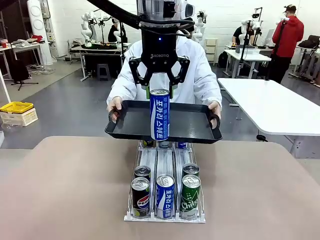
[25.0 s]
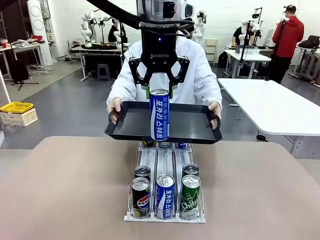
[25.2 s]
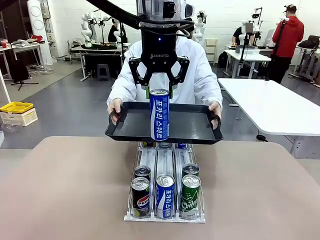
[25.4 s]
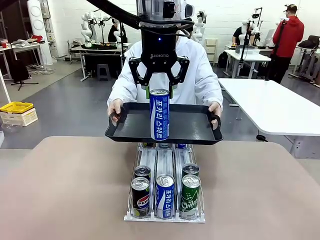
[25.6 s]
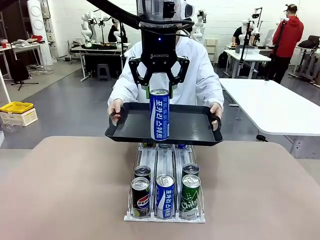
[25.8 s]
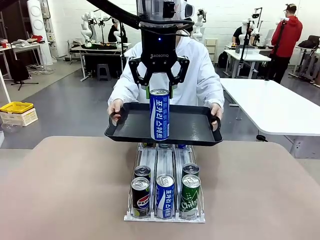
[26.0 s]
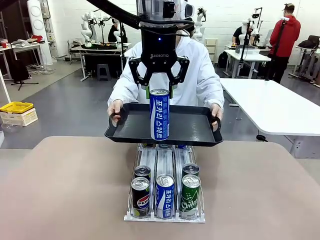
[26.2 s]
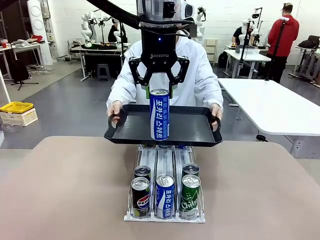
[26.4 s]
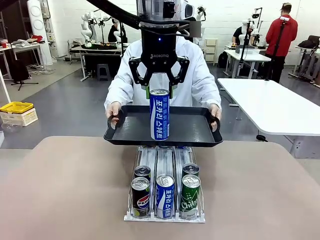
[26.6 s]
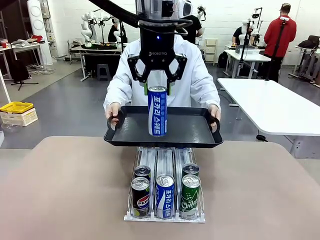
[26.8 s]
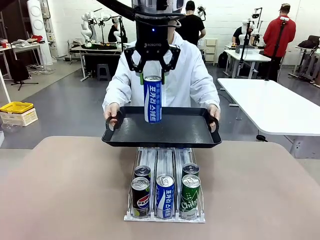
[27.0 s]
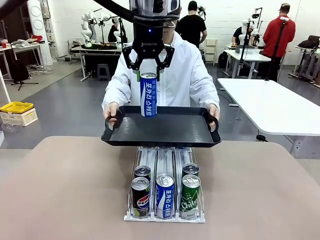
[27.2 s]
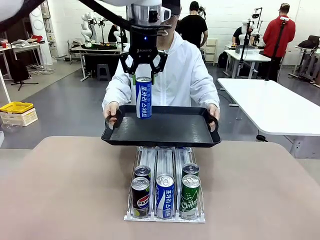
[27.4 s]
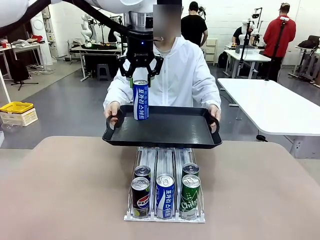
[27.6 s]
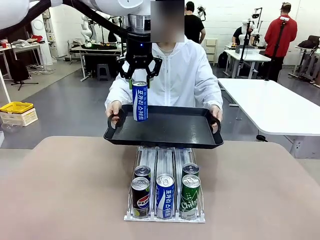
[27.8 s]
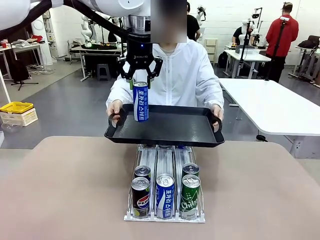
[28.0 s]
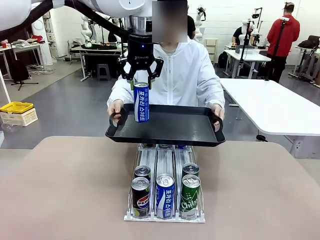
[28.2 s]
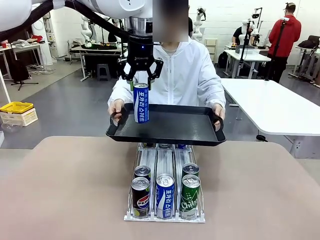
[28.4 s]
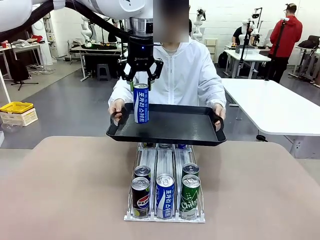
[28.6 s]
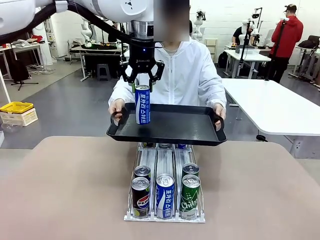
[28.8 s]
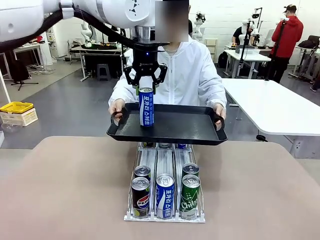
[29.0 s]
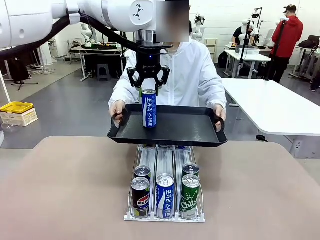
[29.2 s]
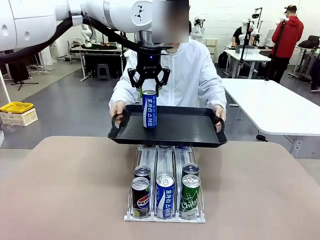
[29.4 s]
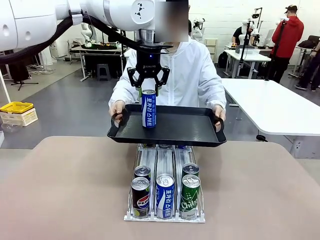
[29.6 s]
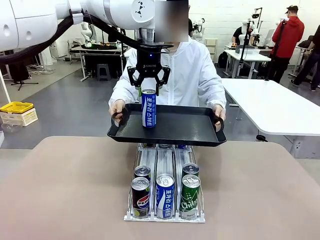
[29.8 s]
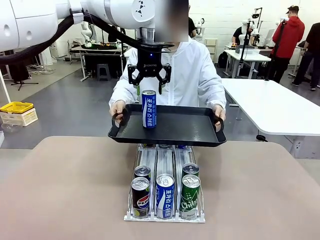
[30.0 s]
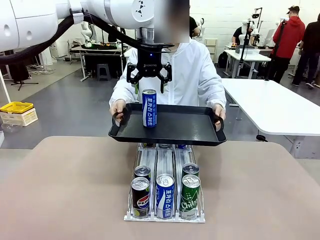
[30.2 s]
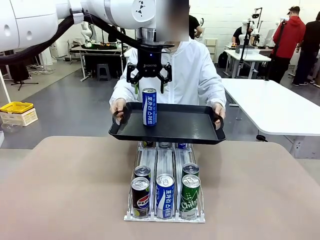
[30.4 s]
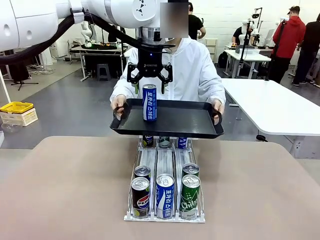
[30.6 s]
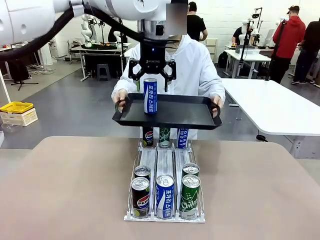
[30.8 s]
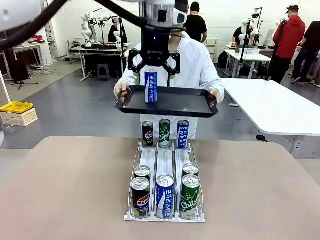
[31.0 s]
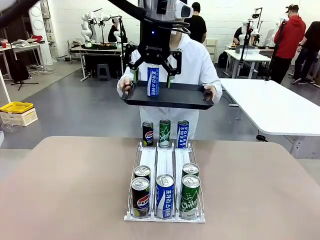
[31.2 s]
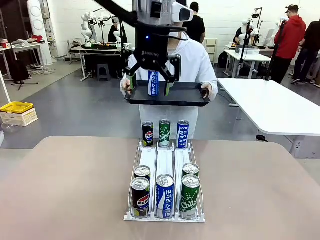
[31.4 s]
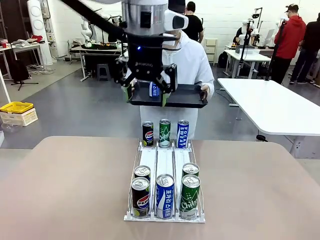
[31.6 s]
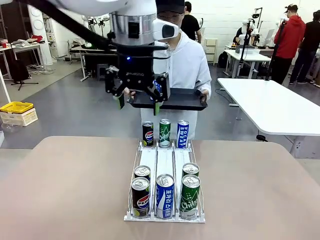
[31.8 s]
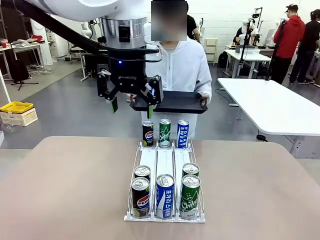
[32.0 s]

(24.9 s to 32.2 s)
Task: Retrieve and hand over the desired beverage to the person.
Robot: Place the picked can on the Handle tray extended by the person.

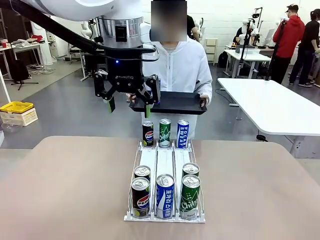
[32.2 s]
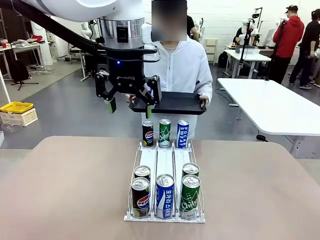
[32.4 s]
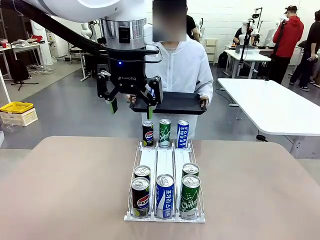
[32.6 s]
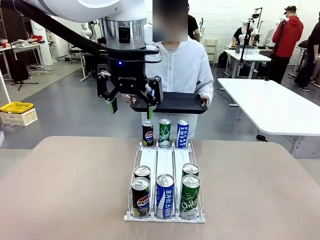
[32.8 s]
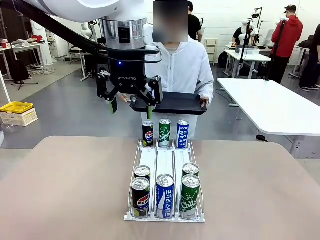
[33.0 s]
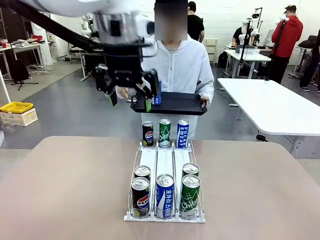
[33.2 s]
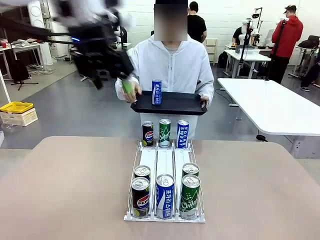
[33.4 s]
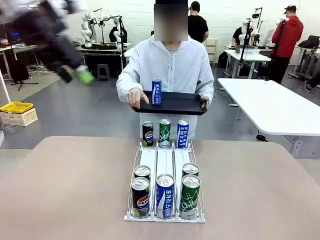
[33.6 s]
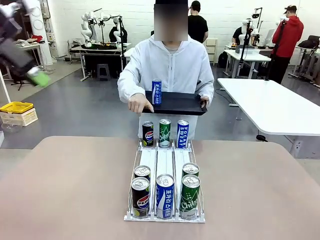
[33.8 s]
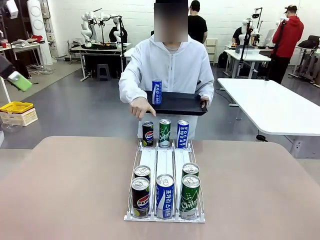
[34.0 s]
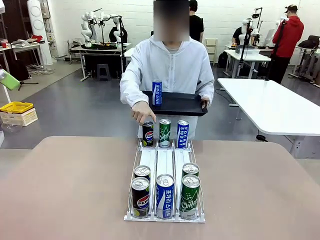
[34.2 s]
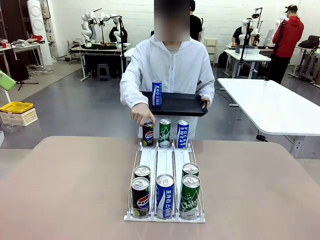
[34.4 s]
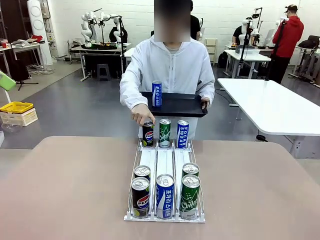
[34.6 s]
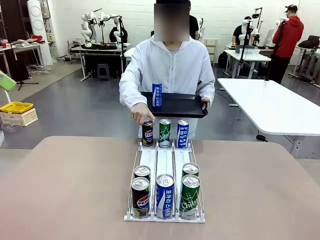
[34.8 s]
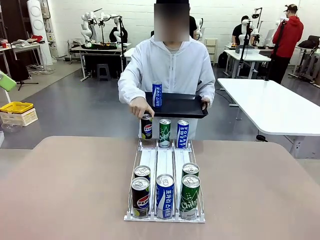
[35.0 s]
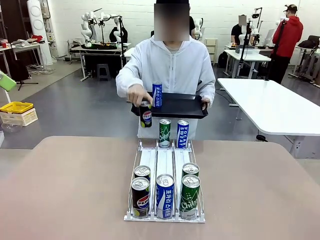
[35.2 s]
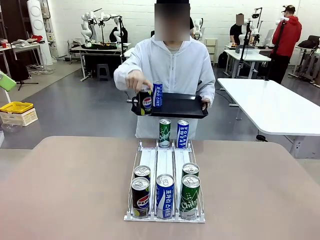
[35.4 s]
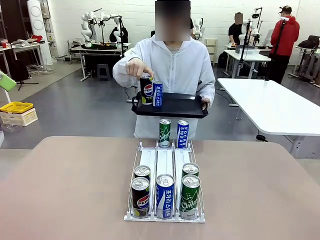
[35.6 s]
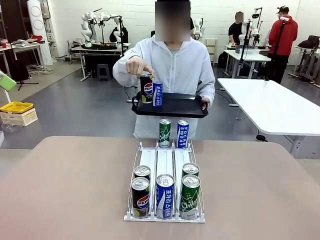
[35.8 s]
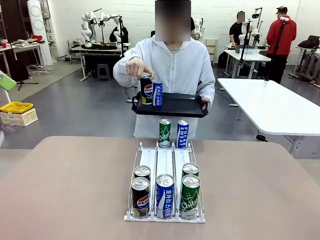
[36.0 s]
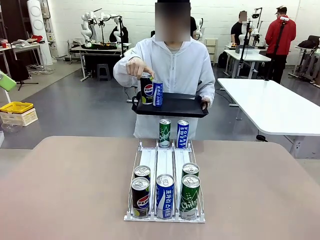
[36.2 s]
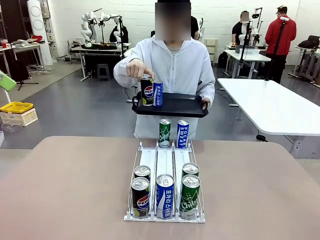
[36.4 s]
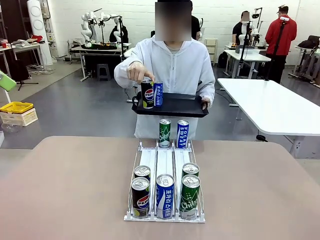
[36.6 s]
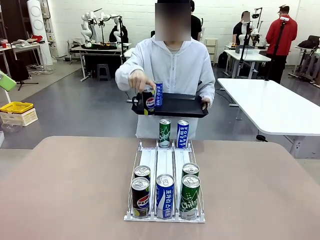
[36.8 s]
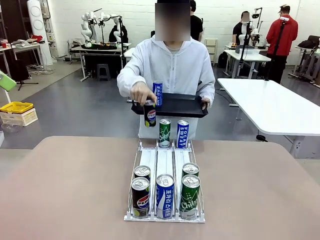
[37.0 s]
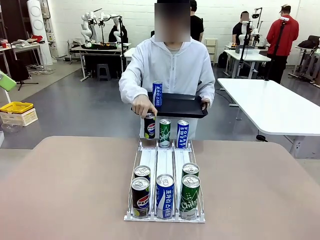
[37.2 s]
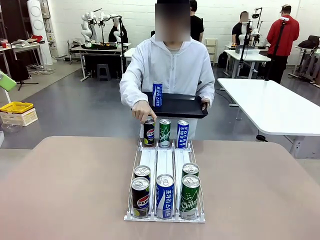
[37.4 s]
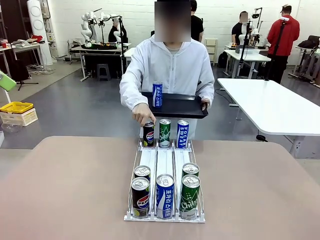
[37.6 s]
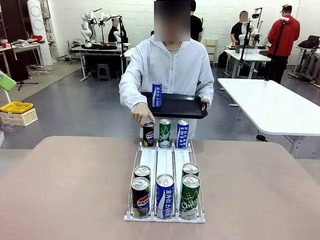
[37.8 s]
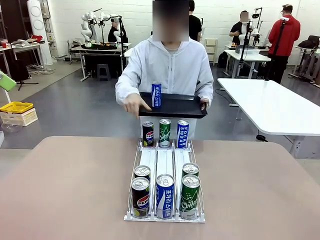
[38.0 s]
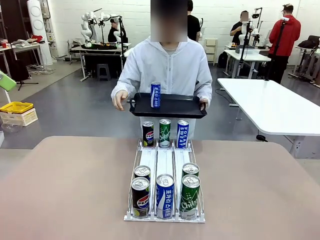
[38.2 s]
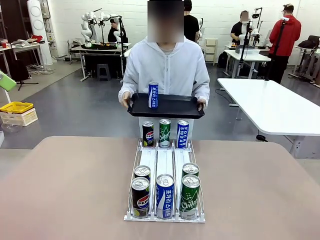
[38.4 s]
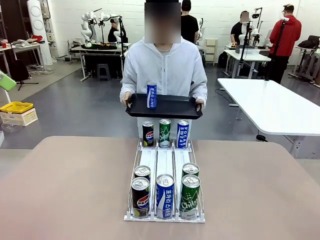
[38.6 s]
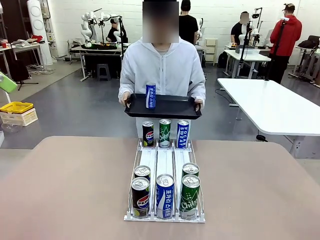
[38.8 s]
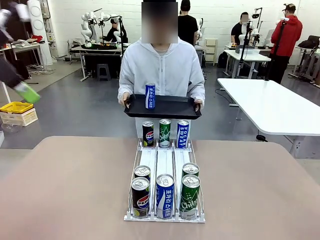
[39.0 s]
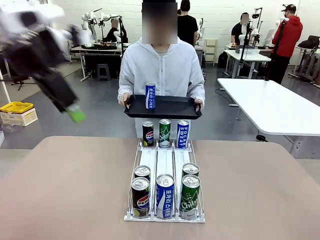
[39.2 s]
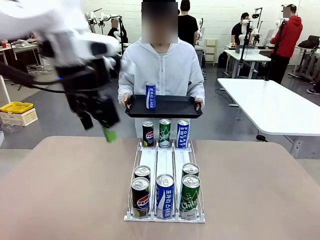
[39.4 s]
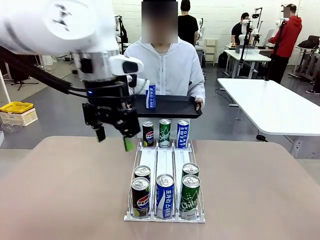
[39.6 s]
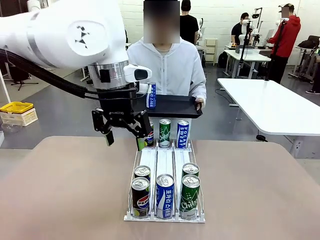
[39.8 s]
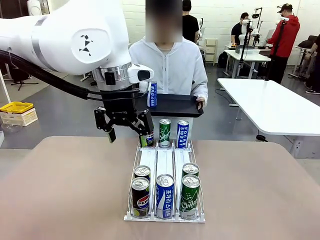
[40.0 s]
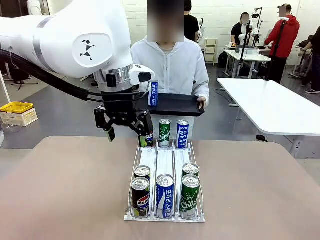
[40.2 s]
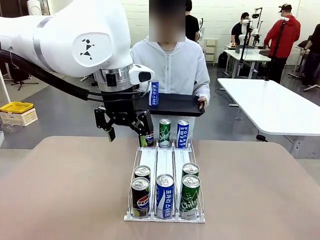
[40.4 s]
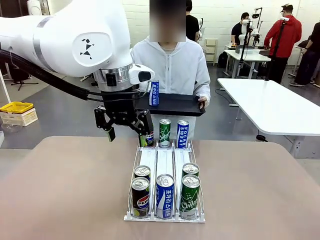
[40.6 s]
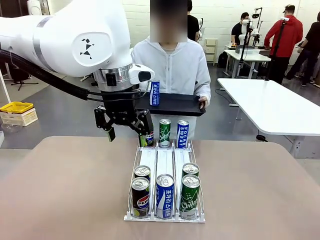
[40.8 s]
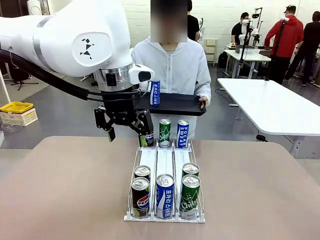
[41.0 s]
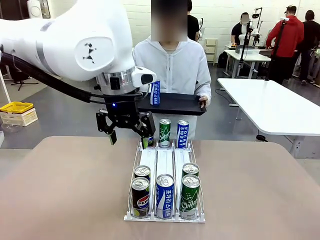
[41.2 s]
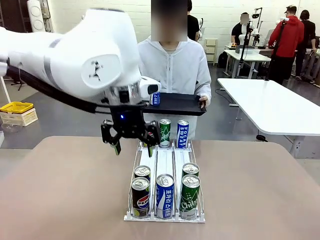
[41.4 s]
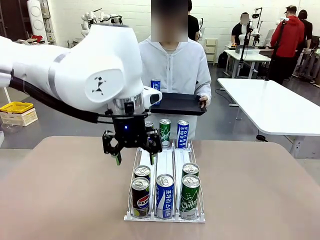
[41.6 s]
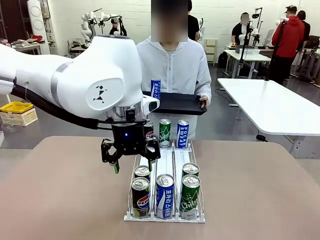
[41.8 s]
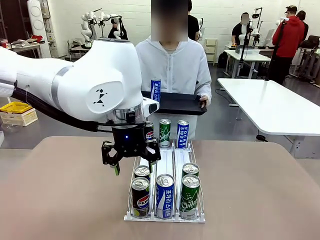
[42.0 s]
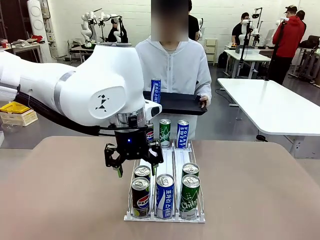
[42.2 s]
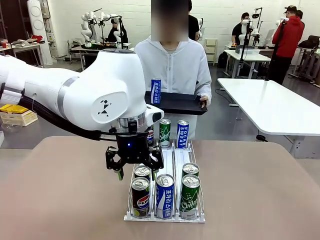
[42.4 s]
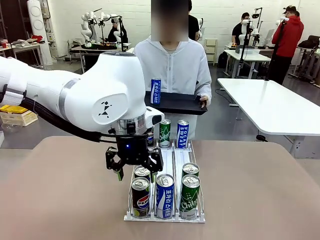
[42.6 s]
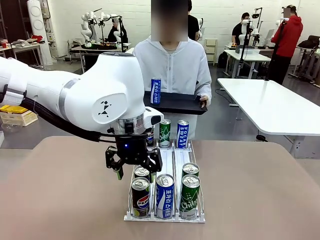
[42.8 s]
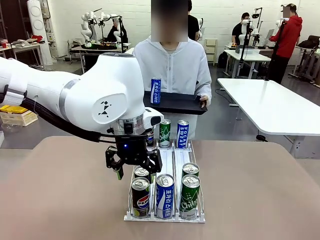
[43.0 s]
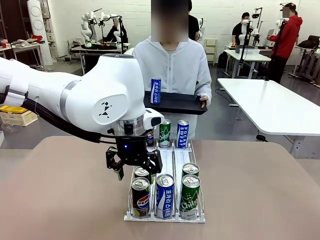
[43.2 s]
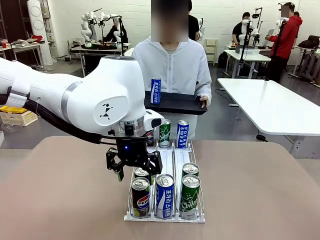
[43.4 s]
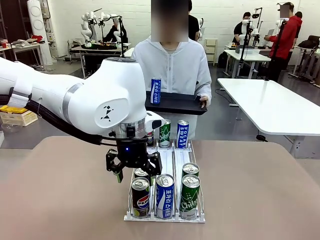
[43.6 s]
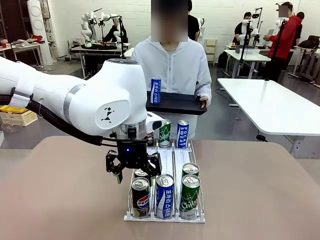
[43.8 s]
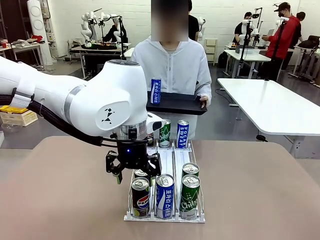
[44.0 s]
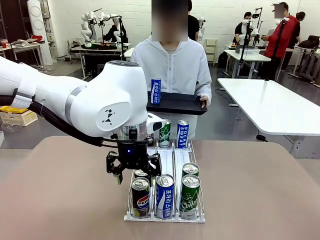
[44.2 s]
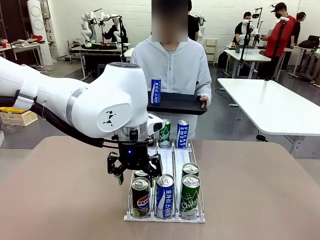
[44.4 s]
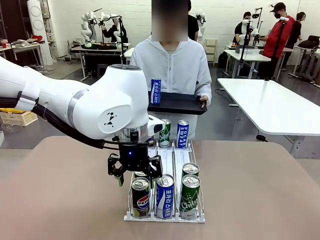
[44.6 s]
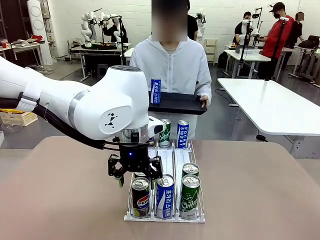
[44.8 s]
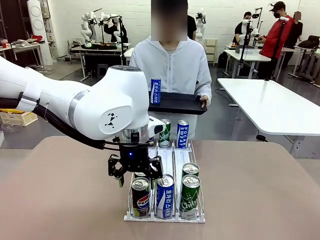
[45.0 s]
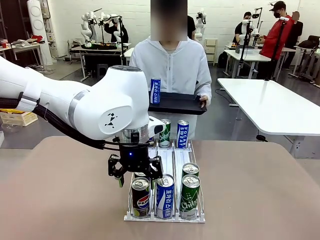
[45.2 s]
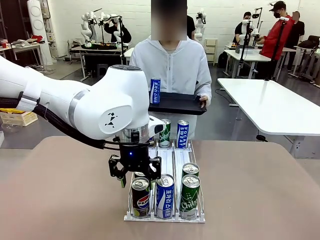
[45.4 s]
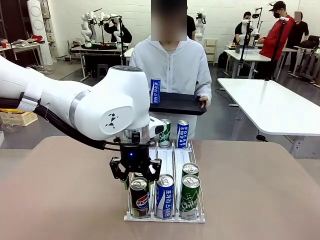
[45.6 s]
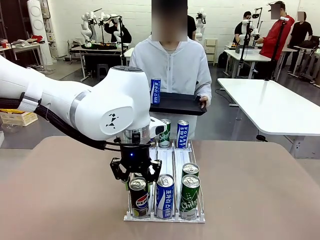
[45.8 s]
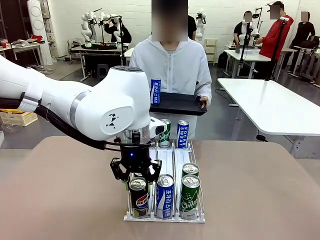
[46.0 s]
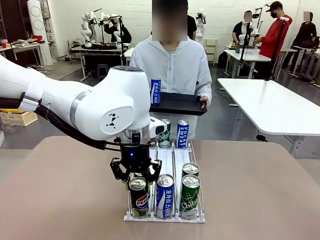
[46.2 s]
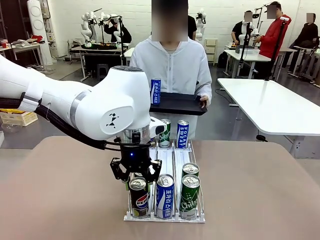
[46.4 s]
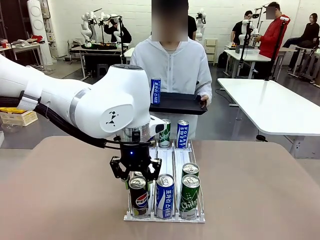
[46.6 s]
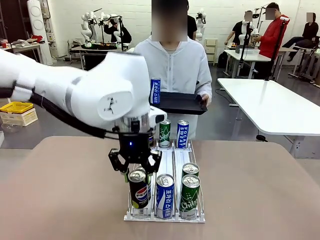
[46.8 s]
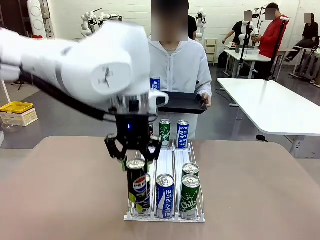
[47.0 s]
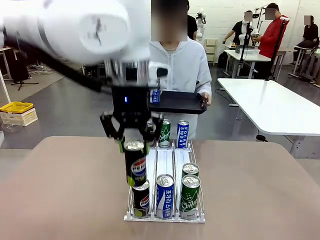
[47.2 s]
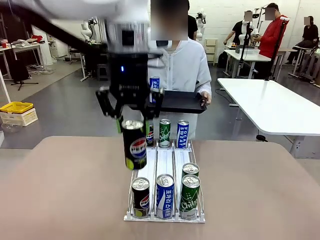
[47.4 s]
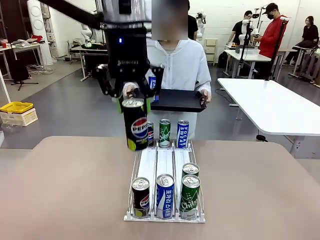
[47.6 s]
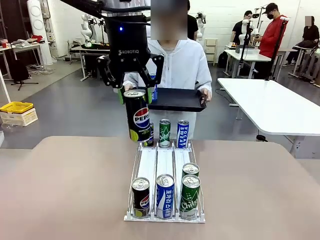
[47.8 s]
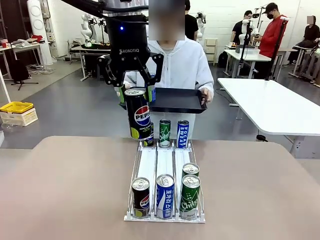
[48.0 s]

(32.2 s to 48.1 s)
Robot: Pick up another can of the same type that the person held from the Automatic Can Dispenser.
Person: Pull the tray back, then pick up another can from the bottom area of the table and puts it back in its original place. Push the tray toward the robot again.
